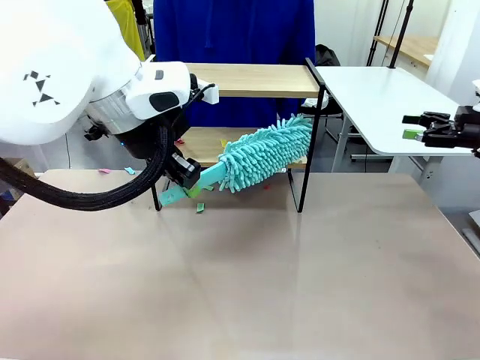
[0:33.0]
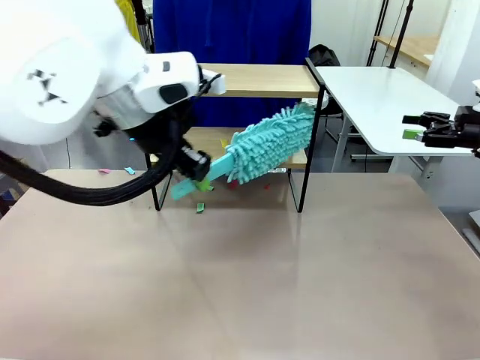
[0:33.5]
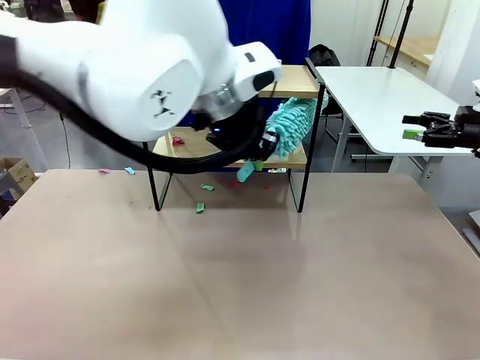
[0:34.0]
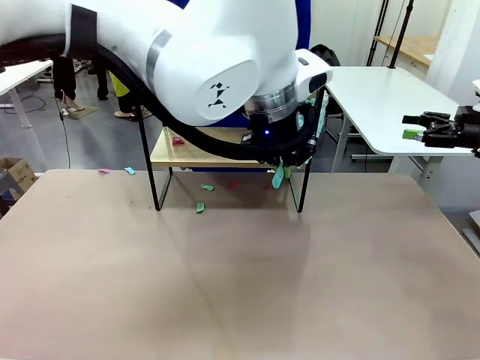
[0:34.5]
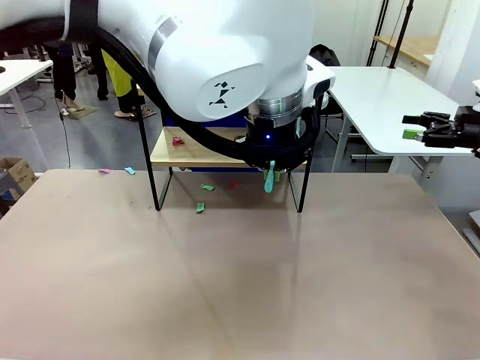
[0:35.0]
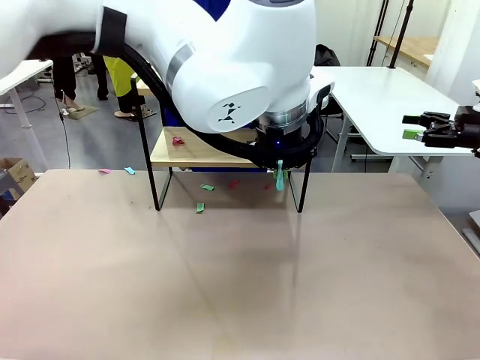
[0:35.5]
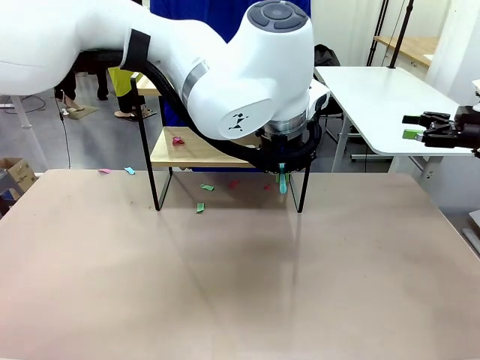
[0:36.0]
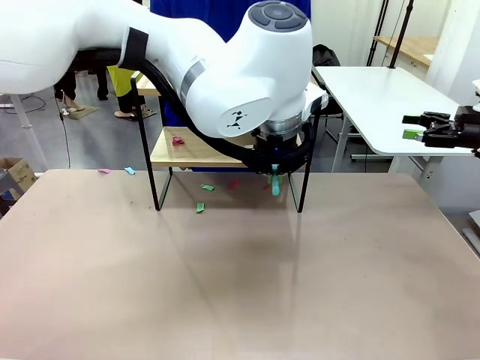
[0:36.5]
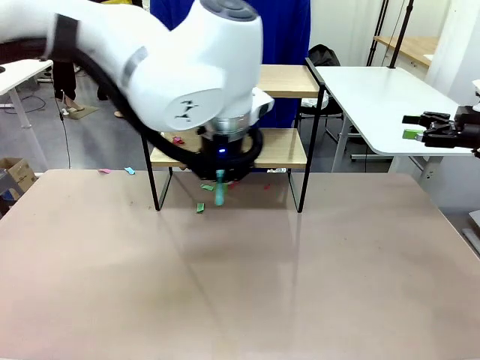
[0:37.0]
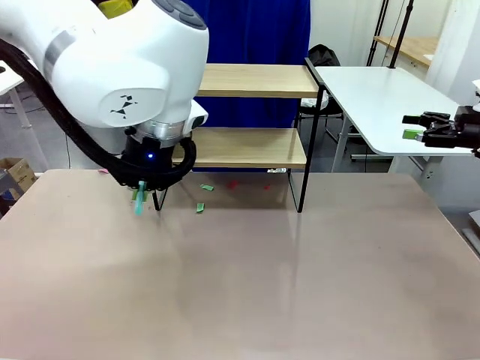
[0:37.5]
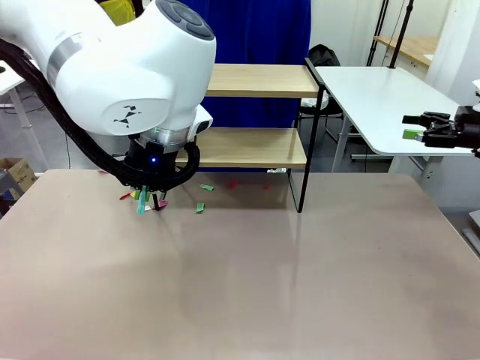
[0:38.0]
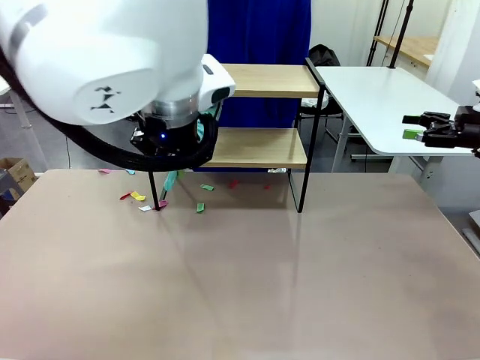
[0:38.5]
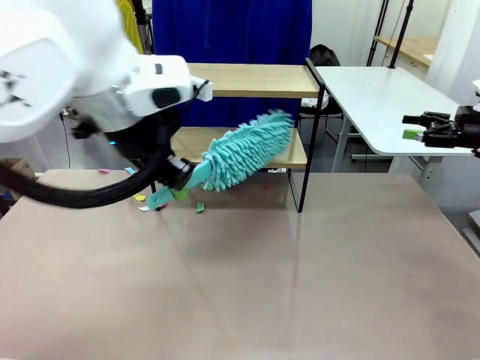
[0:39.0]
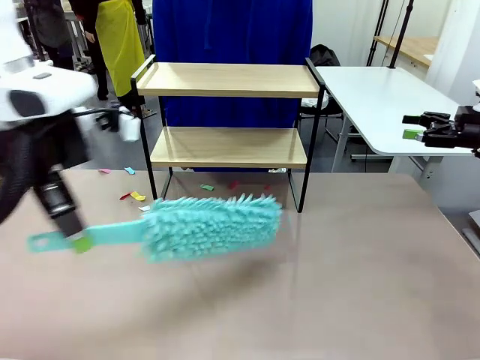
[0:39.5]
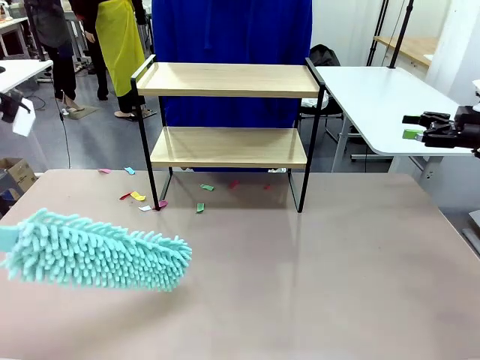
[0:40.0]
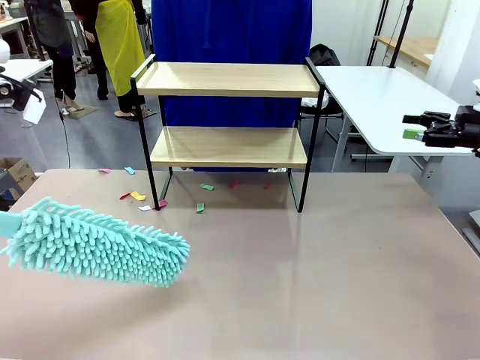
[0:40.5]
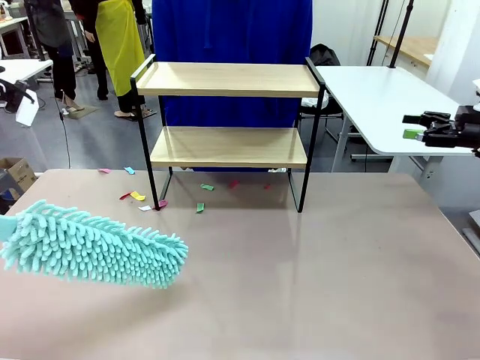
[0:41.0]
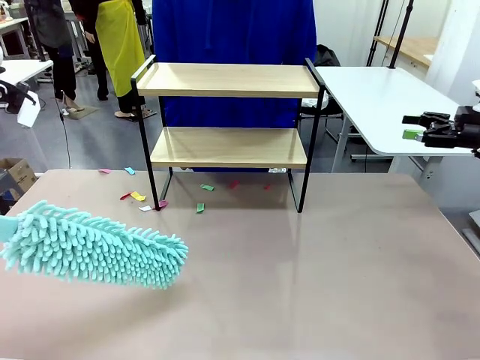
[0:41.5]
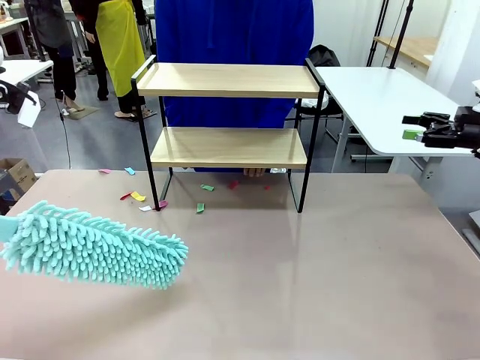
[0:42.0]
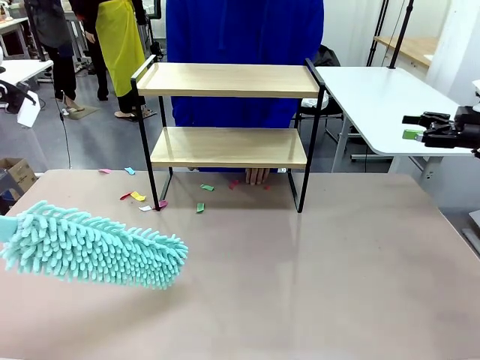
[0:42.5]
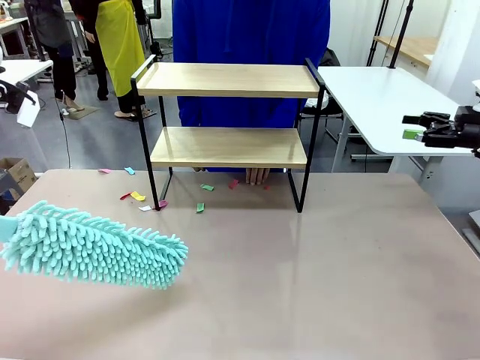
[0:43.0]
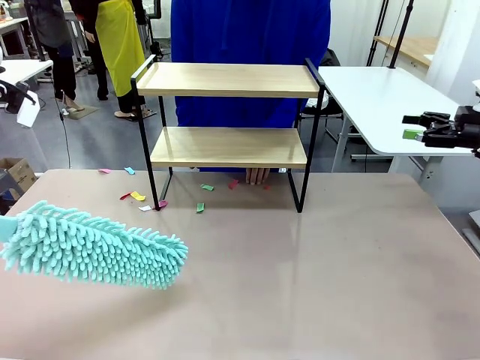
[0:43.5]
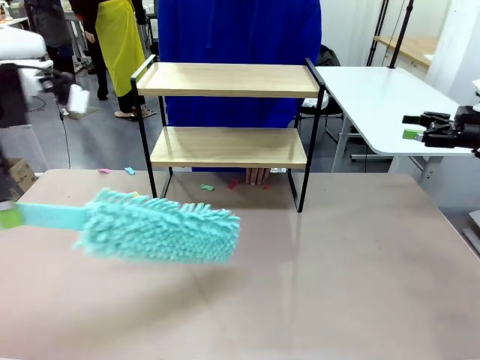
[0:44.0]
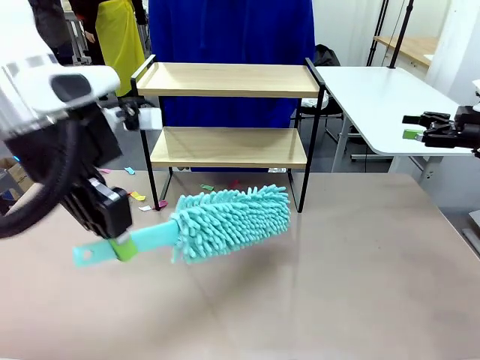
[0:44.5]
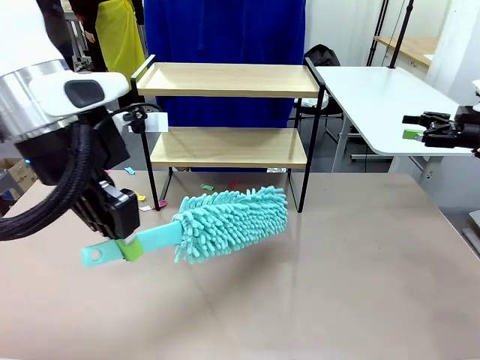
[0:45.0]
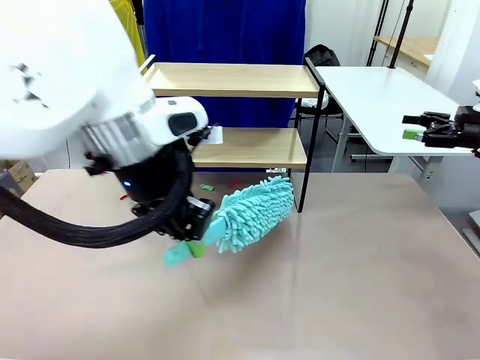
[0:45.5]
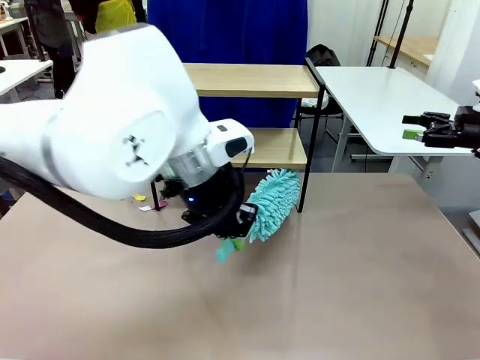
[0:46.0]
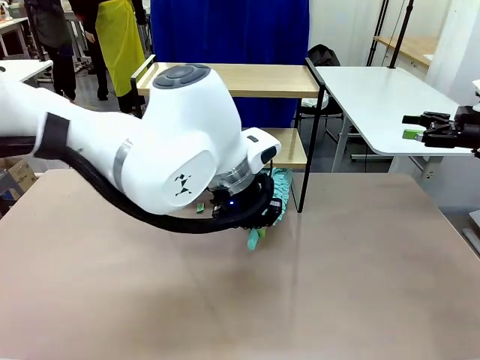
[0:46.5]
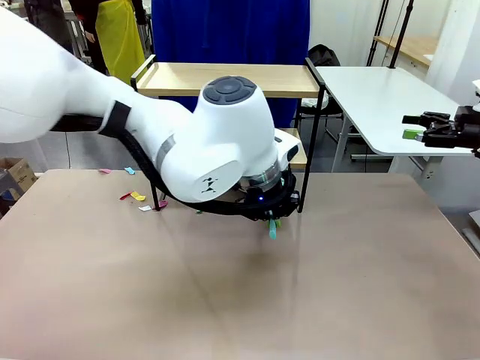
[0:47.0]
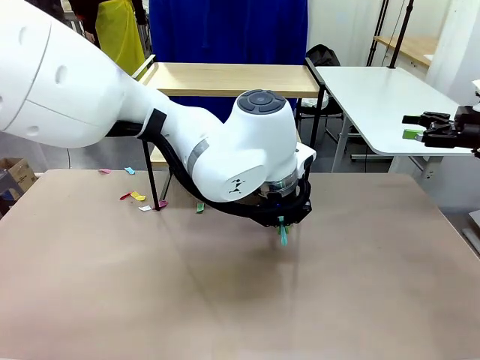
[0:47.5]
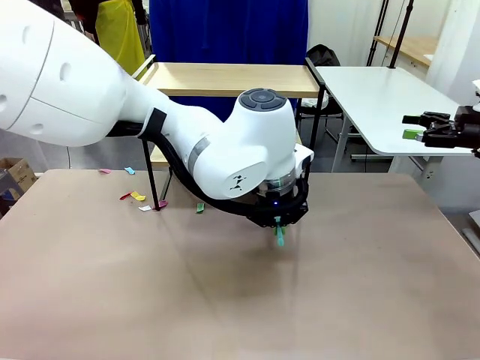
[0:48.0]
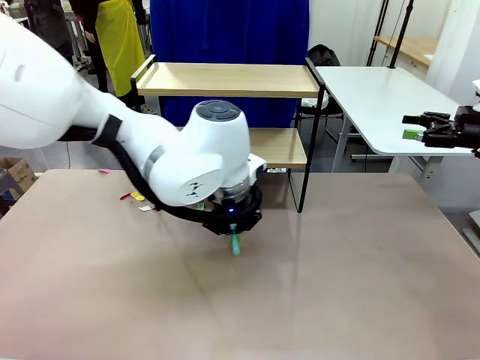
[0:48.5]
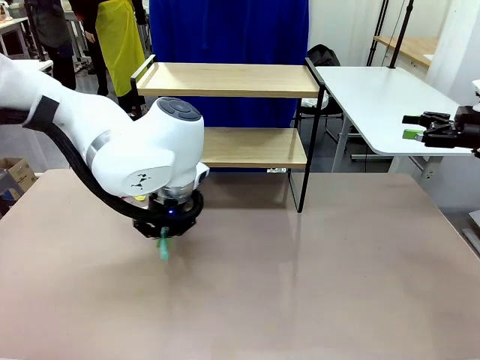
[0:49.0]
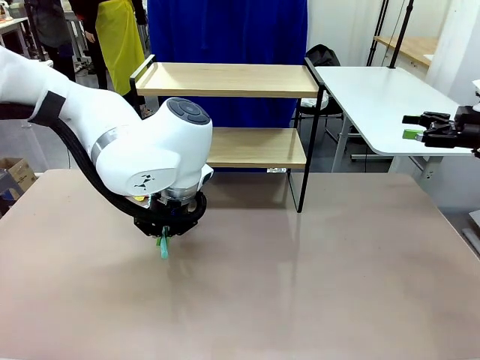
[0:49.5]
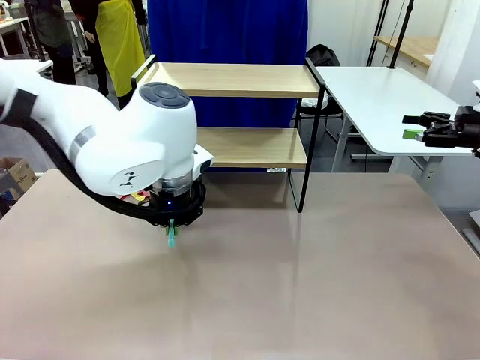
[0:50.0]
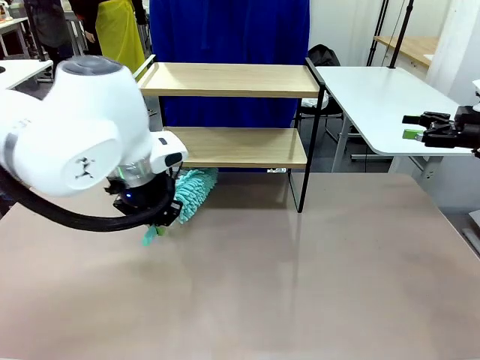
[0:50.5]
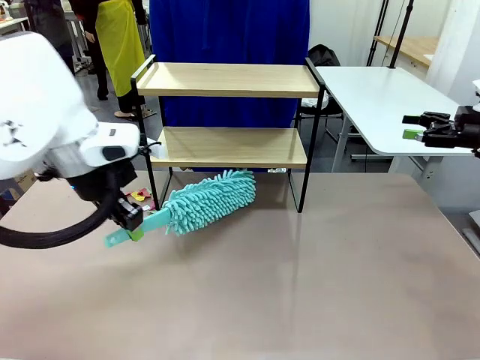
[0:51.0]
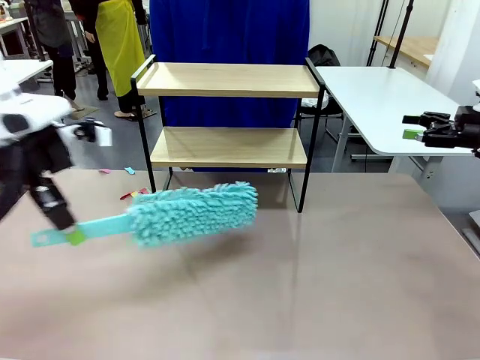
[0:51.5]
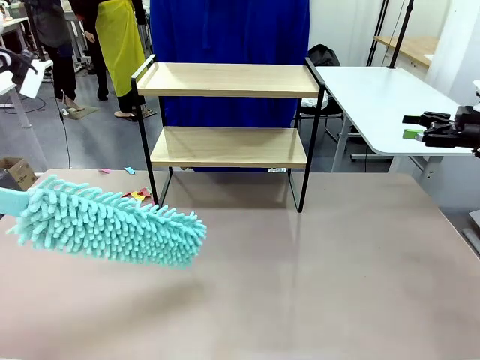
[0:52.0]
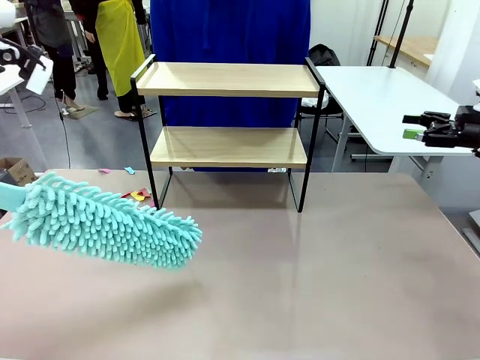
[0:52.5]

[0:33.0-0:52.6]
Task: Clean the shelf.
Robot: Clean the specific section of the Shelf indicated by the human with the Duster.
Person: Point a remaining section of the Shelf.

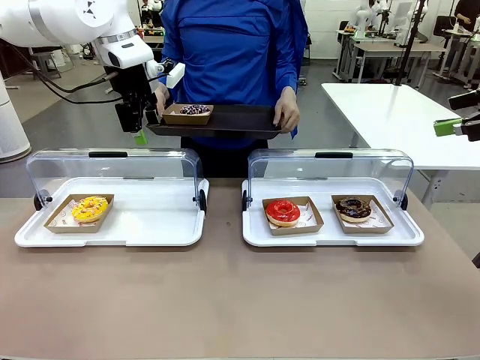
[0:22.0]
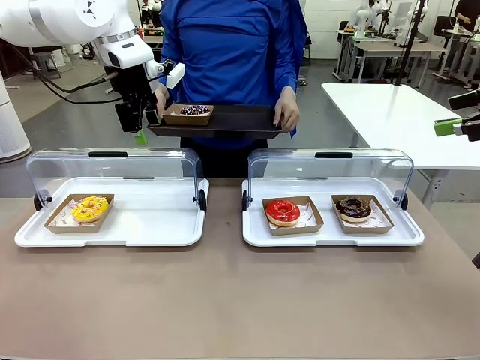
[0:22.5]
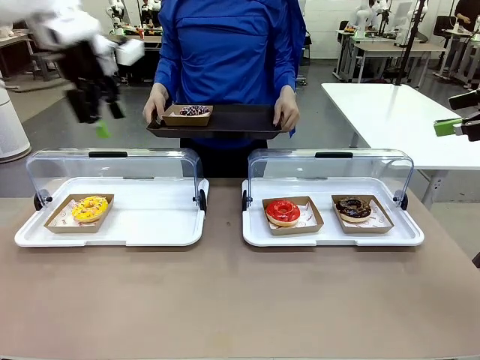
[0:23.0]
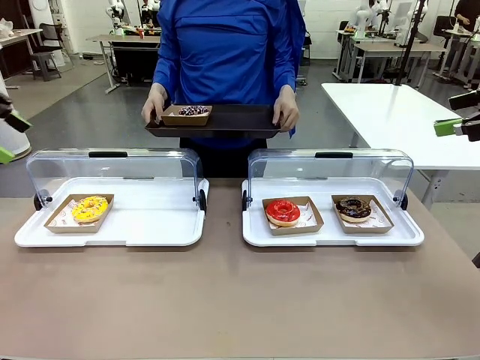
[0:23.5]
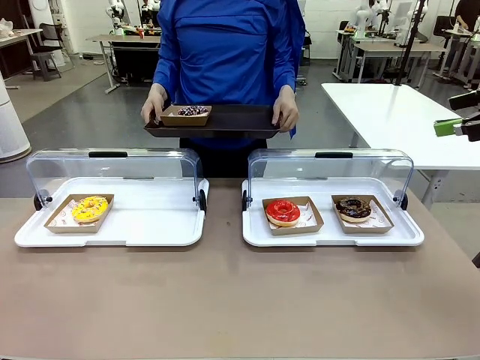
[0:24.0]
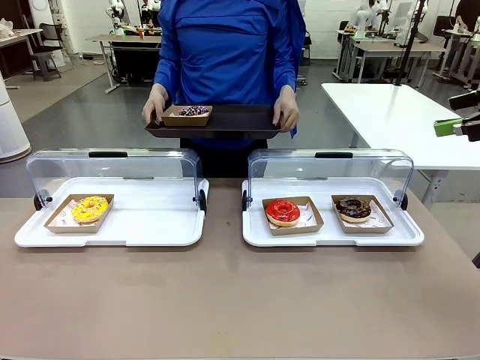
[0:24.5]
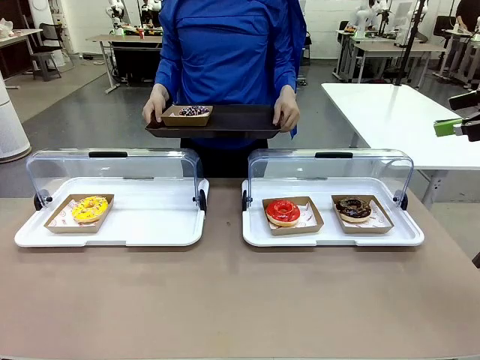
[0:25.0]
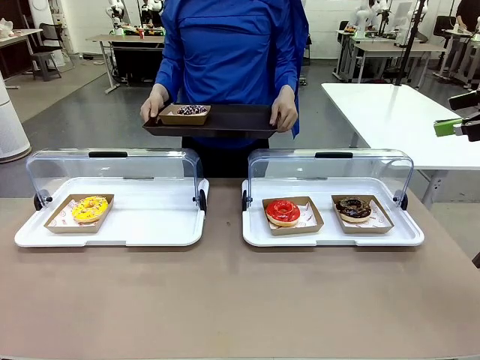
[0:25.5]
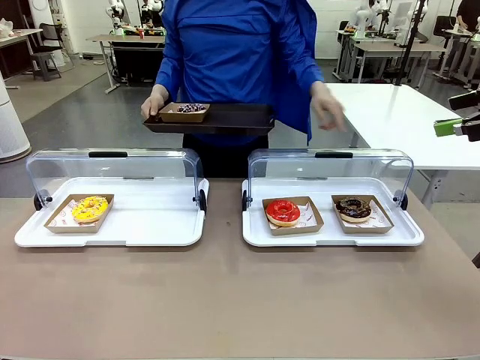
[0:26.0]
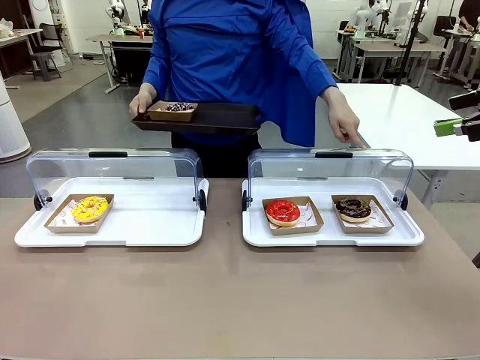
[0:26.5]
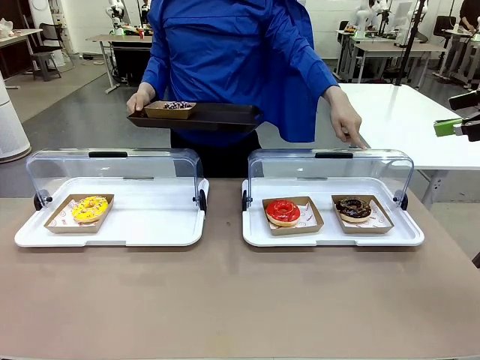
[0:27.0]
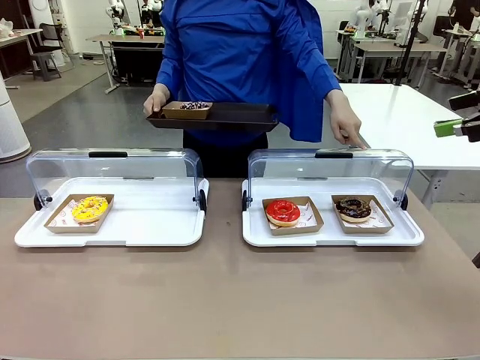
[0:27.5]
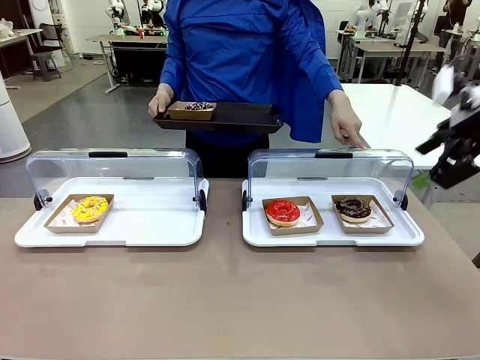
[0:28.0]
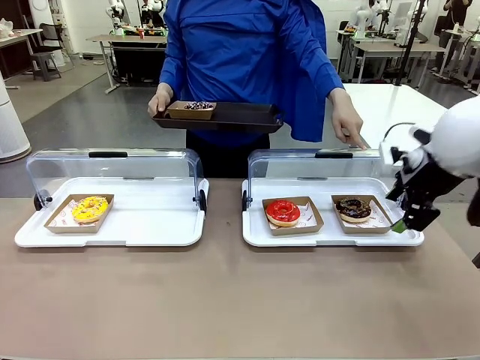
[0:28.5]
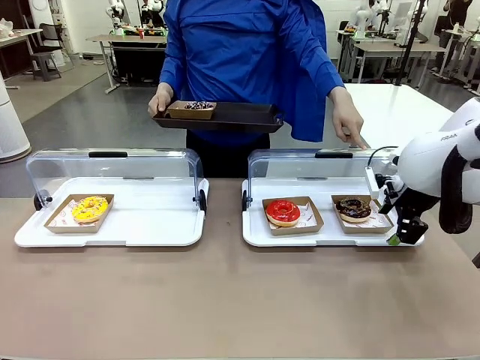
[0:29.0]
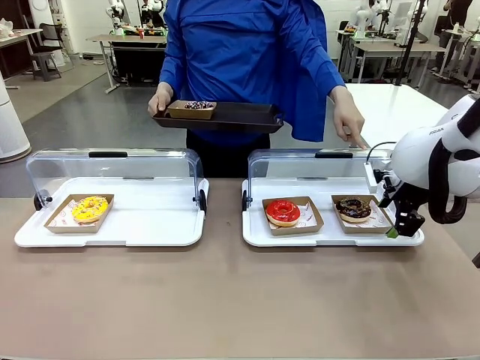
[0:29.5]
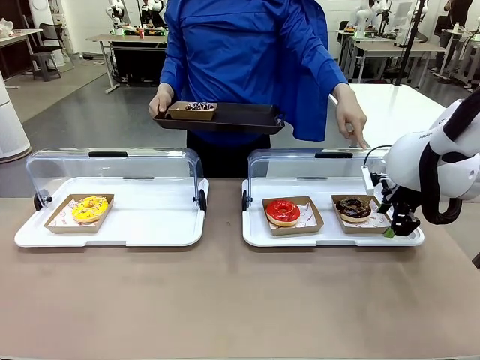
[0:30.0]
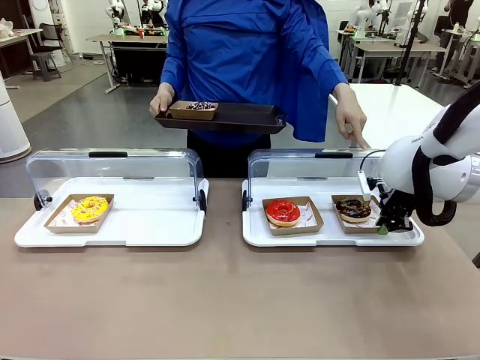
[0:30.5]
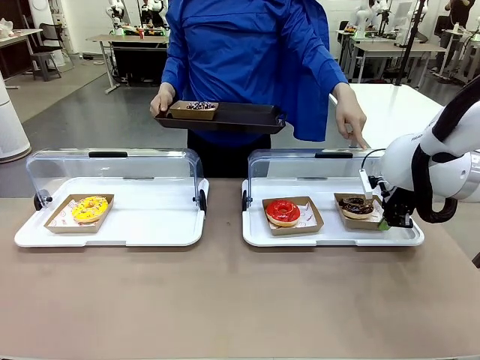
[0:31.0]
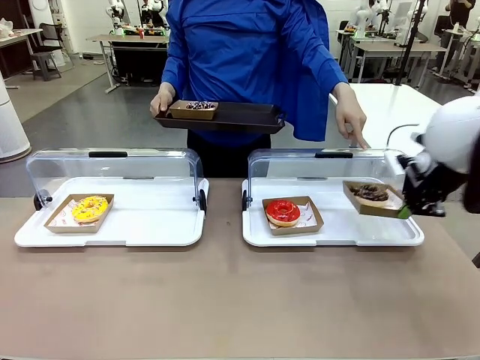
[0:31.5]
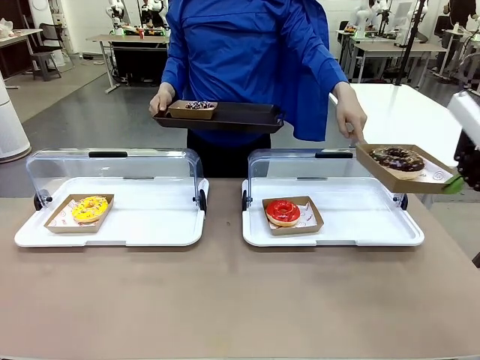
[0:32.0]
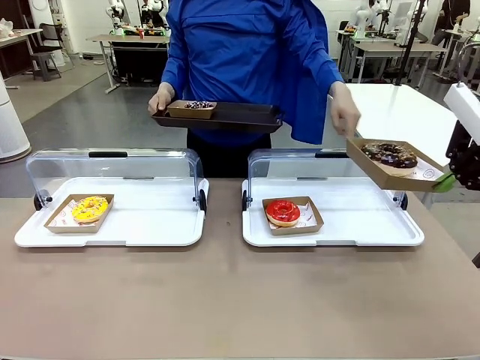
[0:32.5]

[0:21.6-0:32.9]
Task: Provide the desired donut to the person.
Robot: Pick up and lift the Paper togo box containing the Donut pointed at by the person.
Person: Lift the tray onto the Roll-Top Bakery Case.
